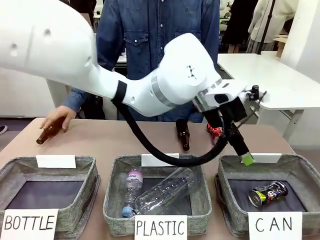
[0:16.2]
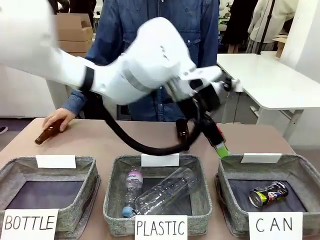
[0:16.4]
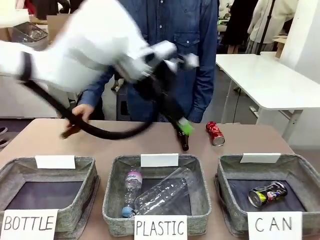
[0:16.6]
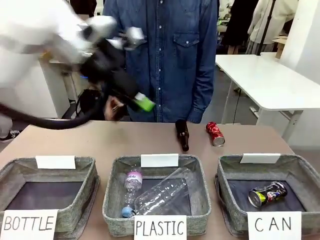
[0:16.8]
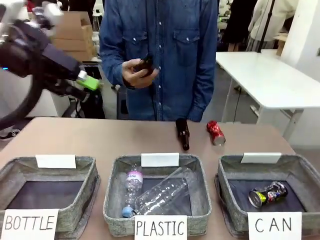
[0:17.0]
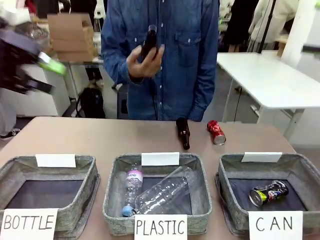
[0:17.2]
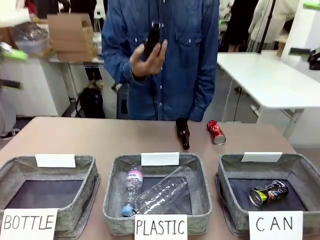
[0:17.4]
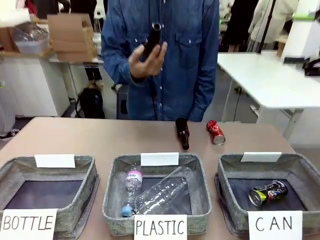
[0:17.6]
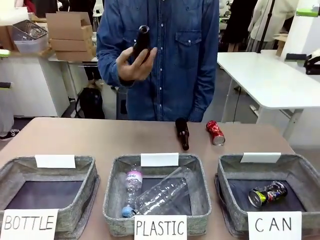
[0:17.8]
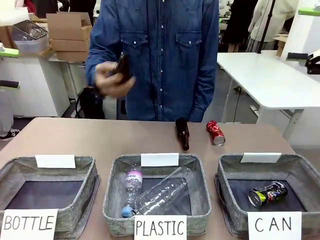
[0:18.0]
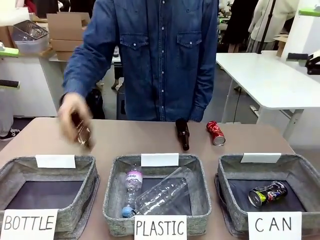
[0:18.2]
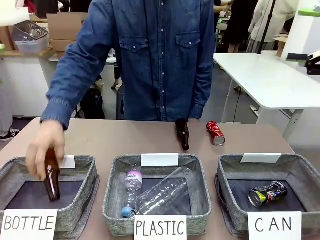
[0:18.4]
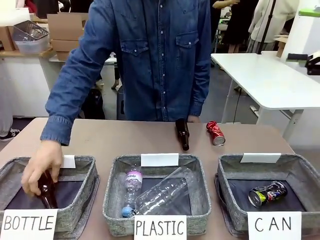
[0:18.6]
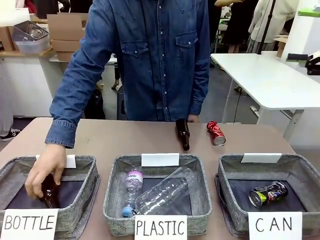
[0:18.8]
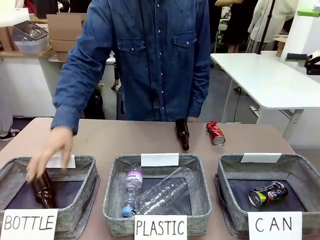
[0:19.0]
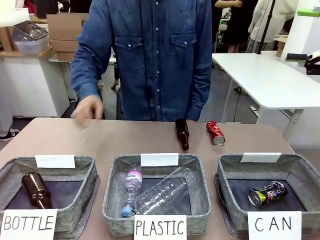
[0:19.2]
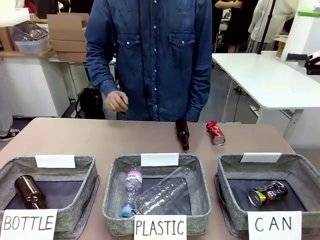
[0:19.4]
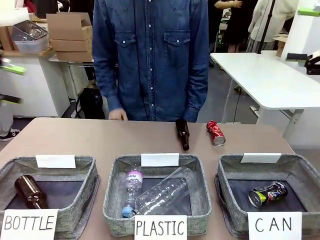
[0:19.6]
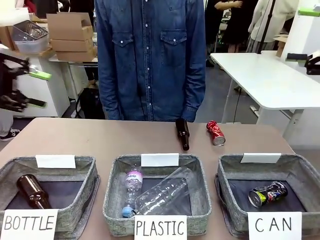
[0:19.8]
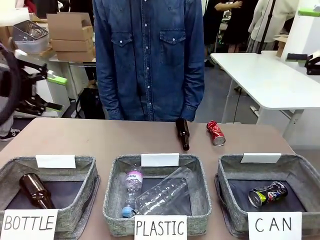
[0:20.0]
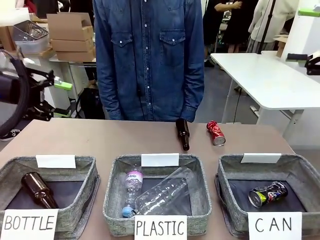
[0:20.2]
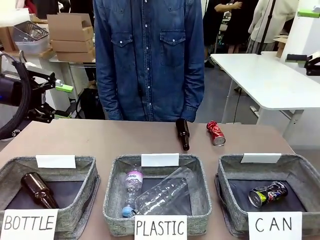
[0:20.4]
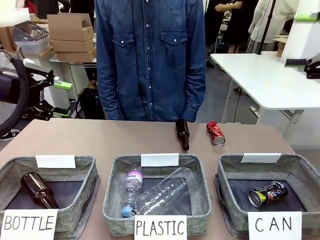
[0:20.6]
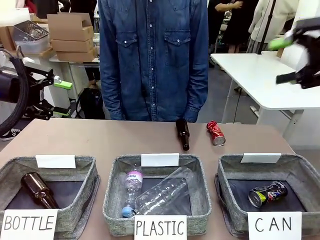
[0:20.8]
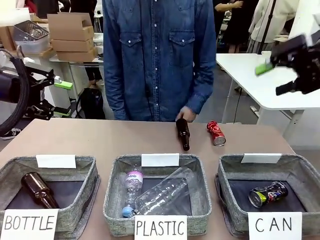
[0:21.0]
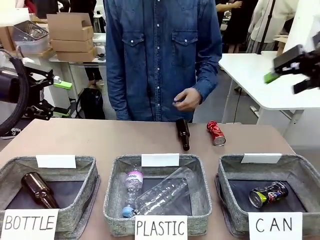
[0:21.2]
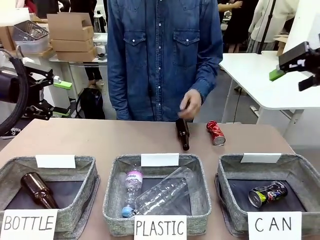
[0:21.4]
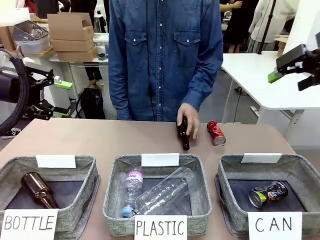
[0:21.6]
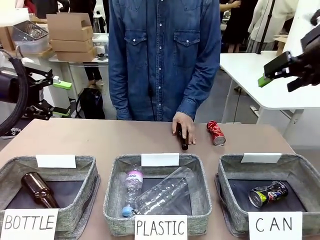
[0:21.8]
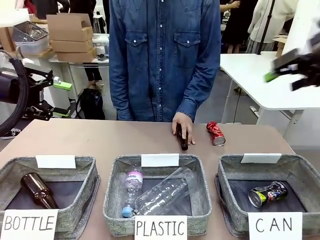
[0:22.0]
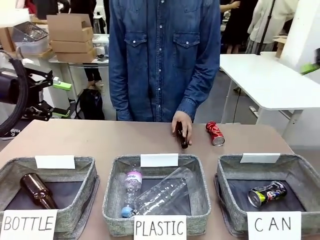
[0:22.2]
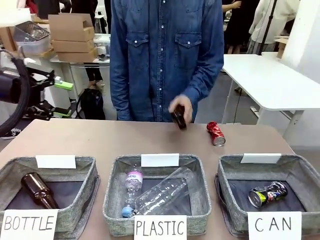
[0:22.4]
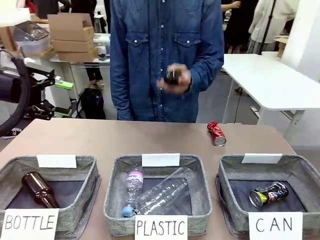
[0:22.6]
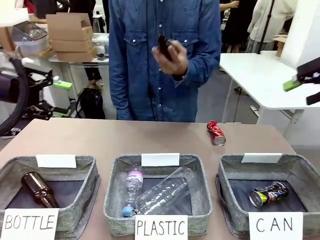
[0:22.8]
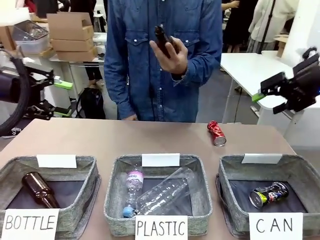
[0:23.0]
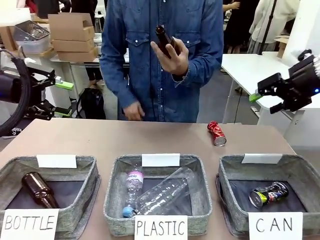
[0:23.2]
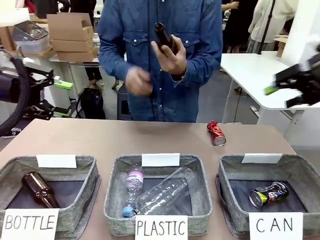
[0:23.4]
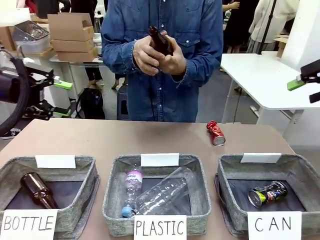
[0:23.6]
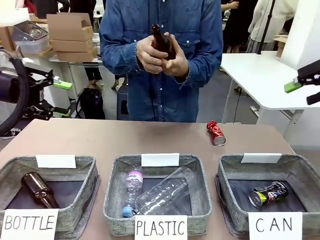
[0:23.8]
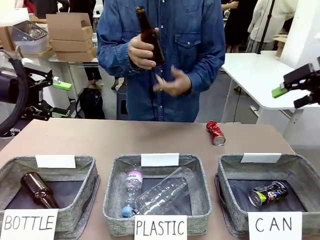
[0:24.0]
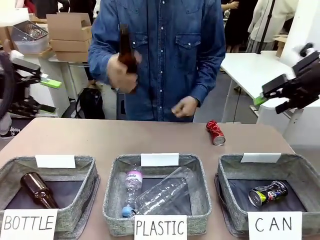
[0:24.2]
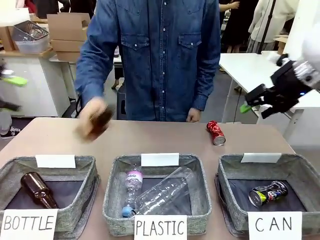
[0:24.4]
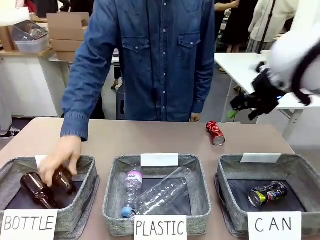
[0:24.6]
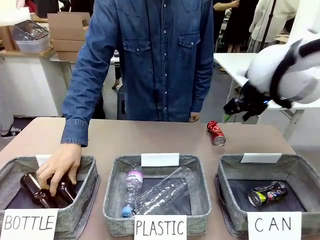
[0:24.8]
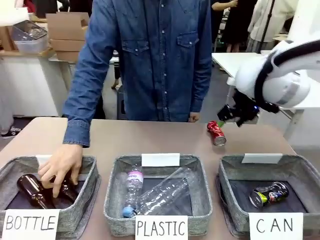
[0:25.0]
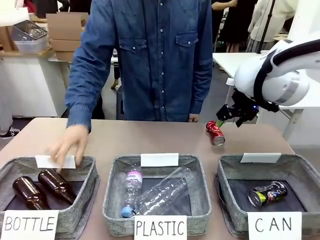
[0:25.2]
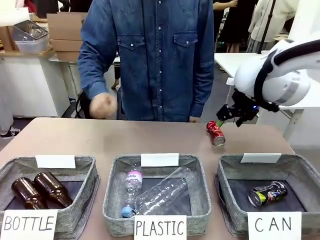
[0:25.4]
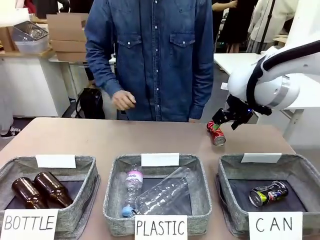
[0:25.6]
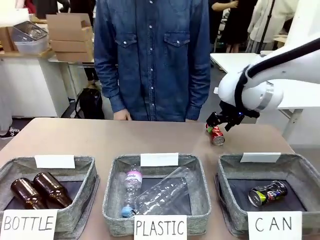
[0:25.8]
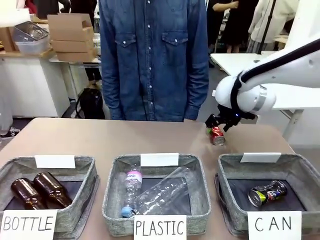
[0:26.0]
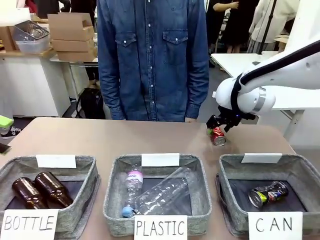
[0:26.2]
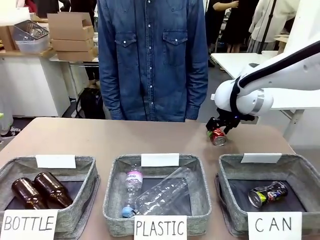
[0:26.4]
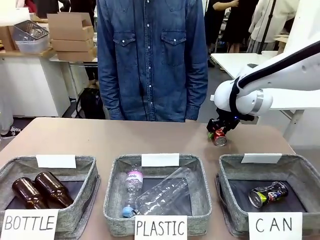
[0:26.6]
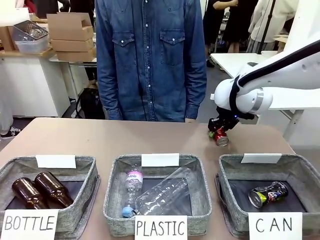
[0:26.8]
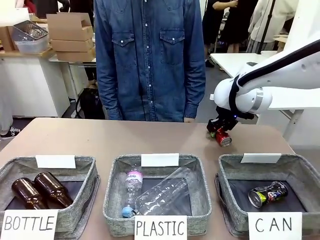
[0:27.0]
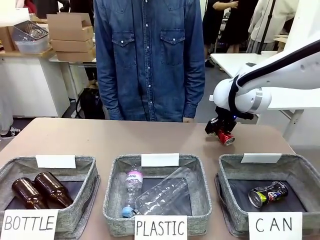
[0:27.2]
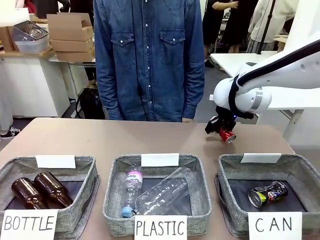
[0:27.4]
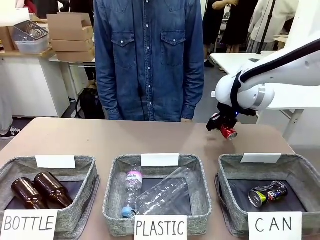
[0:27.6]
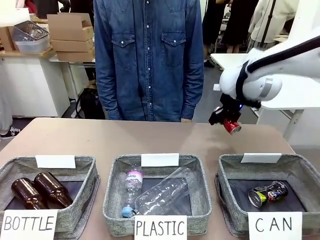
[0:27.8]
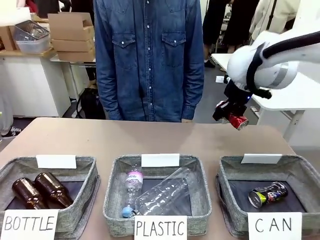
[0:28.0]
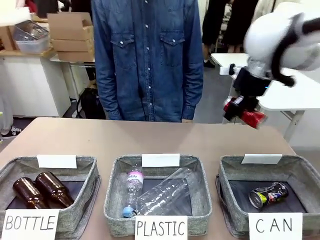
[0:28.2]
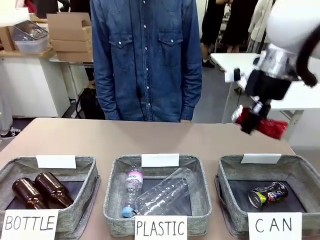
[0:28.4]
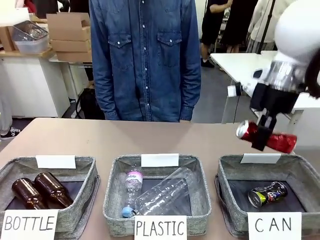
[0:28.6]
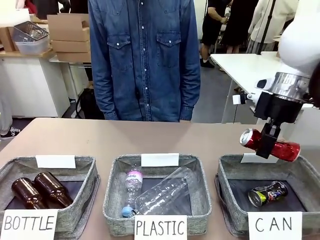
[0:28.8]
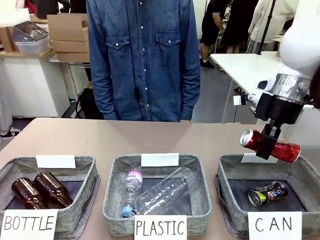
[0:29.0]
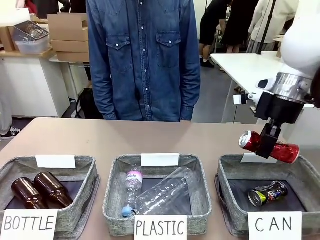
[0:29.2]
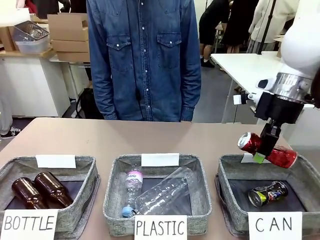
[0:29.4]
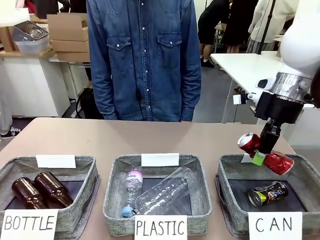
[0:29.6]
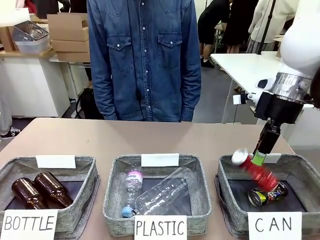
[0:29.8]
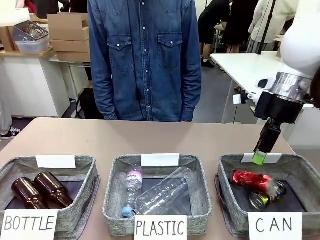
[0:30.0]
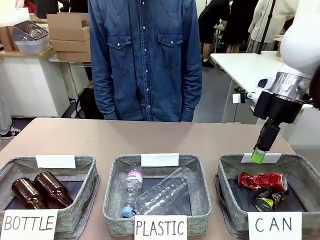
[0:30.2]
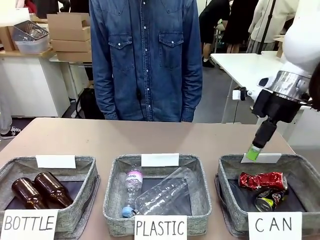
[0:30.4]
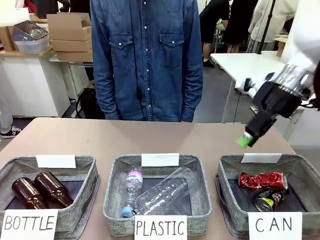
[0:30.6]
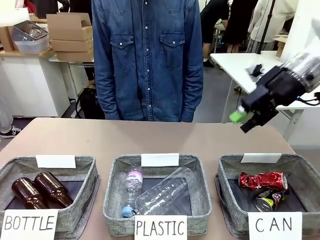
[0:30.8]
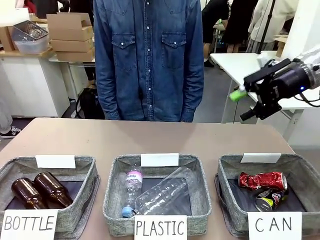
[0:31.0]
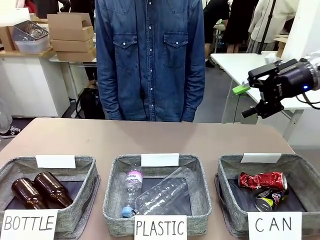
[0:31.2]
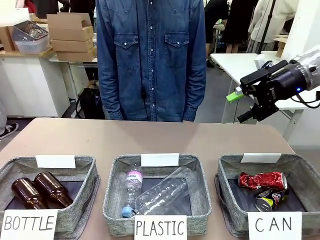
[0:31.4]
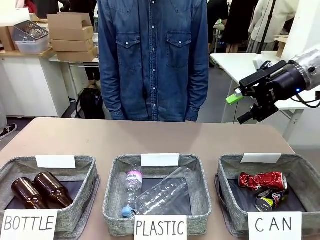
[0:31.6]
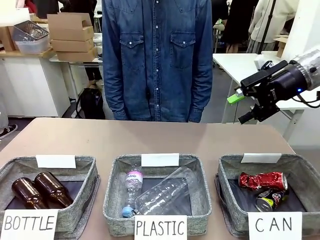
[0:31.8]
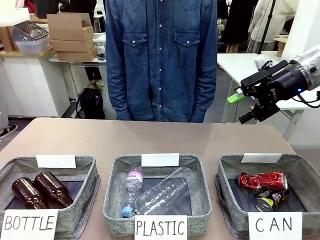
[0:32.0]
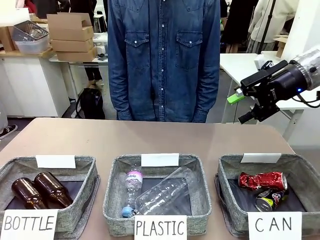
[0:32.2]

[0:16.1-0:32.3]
Task: Sort the can waste into the basket.
Robot: Pick up the can waste from the table and place it in the right Fabric basket.
Person: The human picks up one piece of trash that is not a can and places the trash into the appropriate organizing basket.
